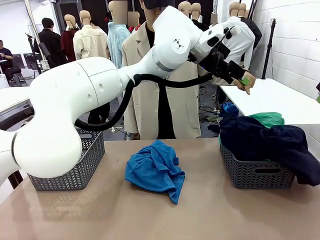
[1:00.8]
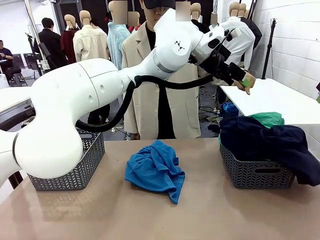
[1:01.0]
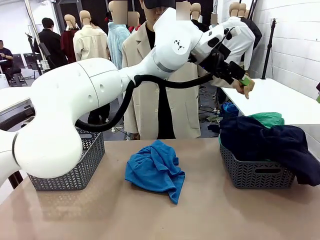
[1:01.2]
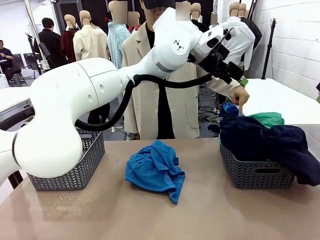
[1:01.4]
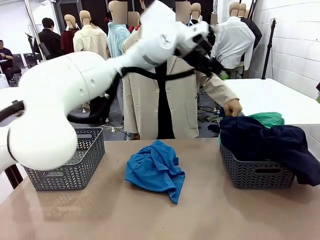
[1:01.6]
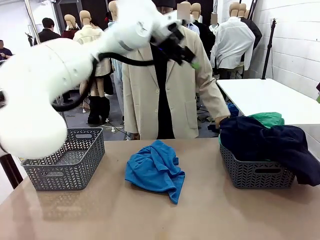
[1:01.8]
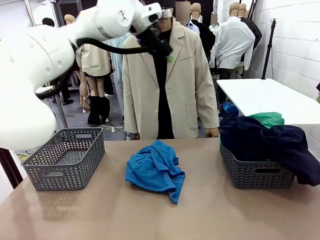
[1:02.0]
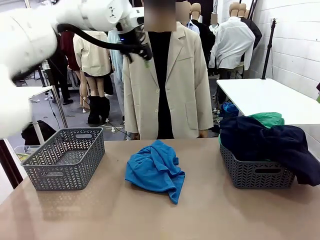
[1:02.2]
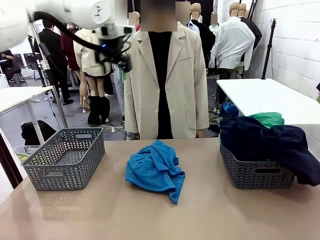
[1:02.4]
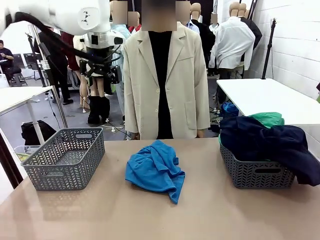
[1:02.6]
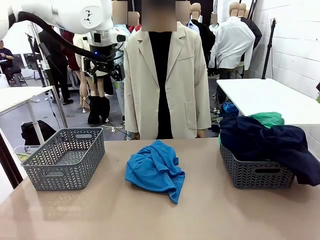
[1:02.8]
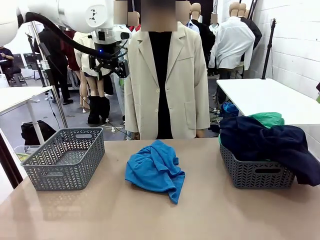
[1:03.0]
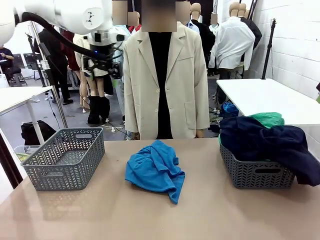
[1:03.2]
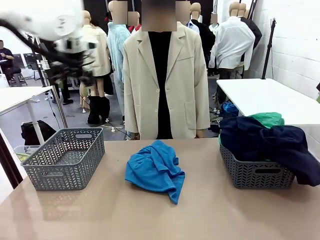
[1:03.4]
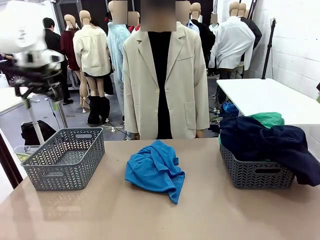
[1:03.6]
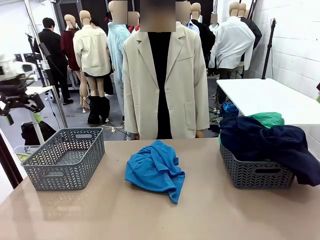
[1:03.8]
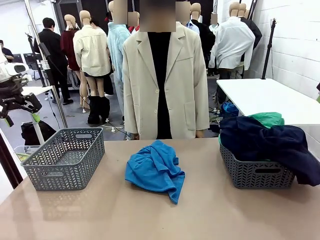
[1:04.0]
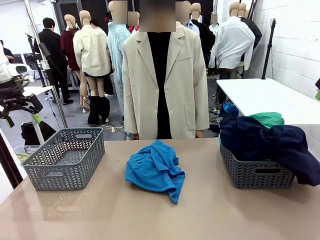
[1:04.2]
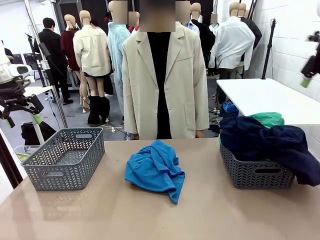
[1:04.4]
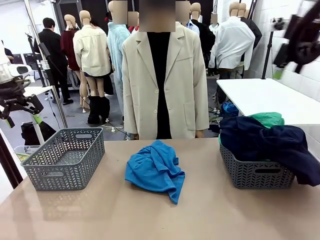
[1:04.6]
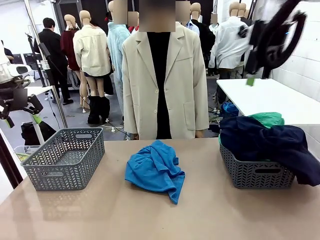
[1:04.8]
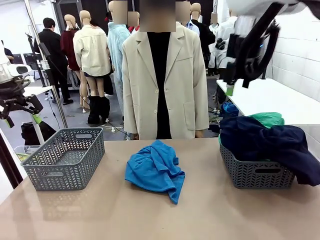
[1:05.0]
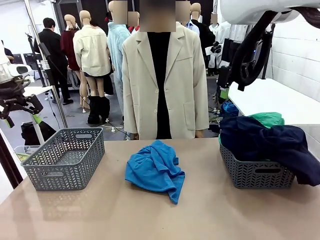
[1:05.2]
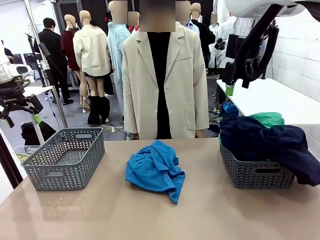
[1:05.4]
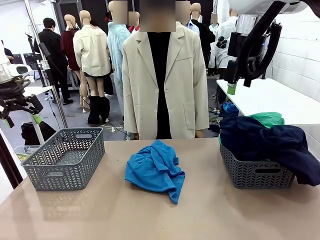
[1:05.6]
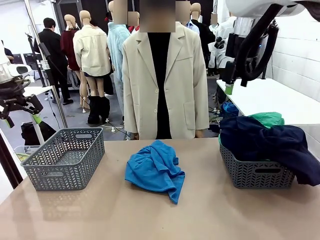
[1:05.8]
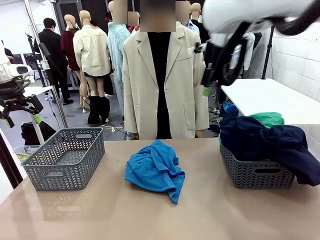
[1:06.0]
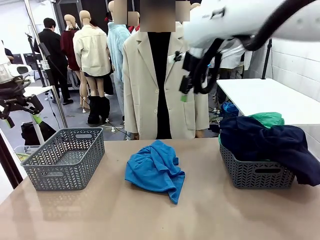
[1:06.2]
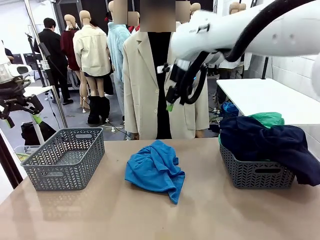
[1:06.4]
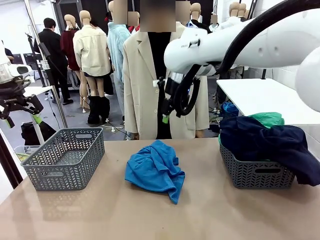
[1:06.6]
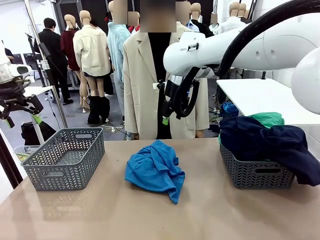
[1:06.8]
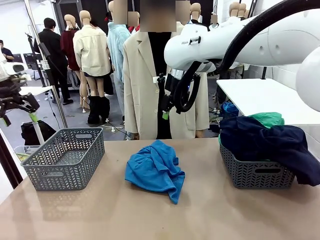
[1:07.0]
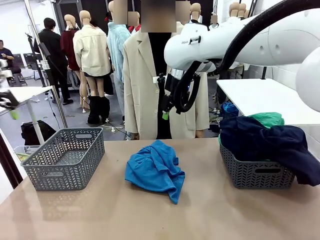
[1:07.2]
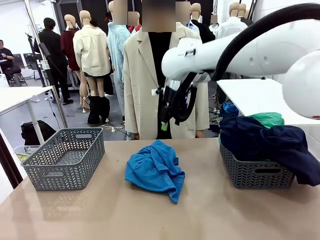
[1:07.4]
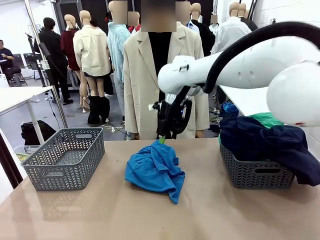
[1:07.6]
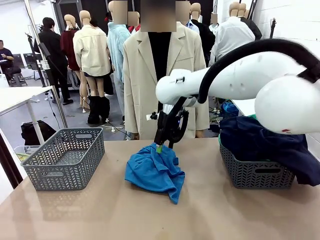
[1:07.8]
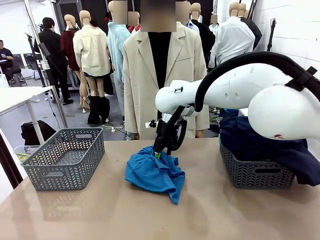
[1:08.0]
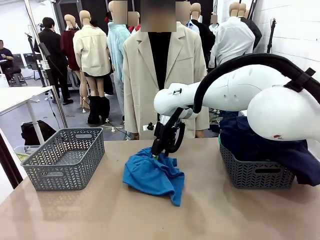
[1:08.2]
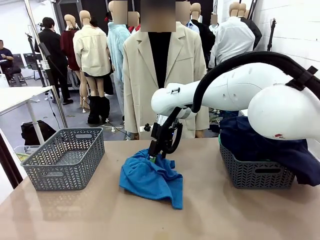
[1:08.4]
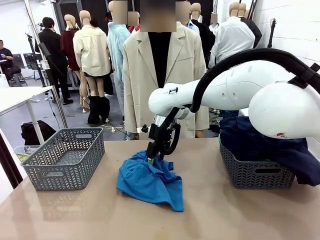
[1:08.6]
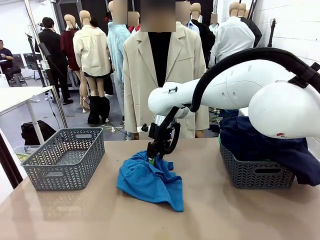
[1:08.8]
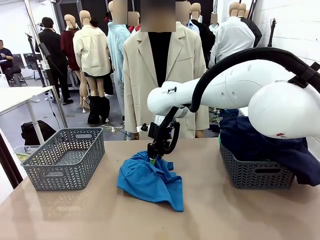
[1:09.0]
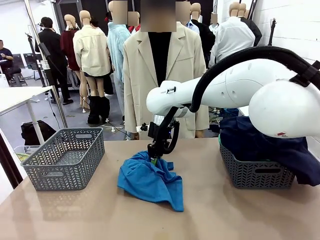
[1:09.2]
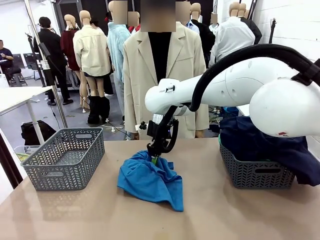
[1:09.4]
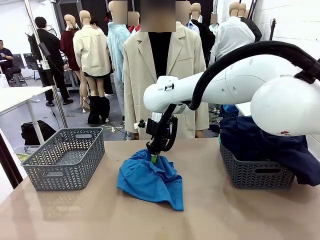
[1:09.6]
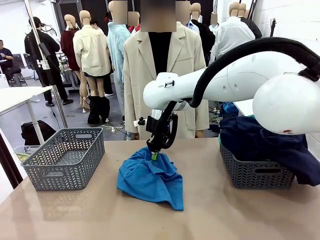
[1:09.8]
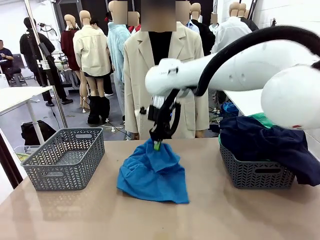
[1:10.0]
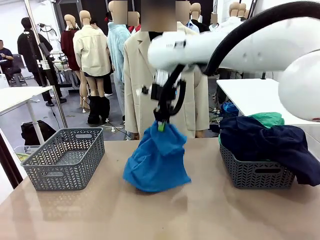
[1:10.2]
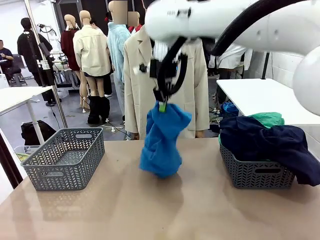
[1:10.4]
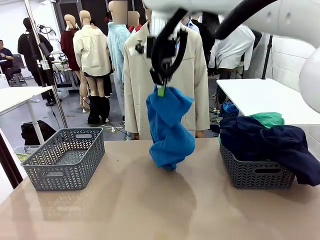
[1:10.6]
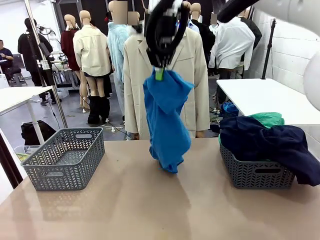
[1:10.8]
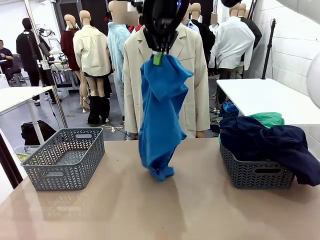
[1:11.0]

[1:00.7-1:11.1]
Task: Sort the tops and bottoms.
Robot: Lift clothes from the center of the table with your right hand.

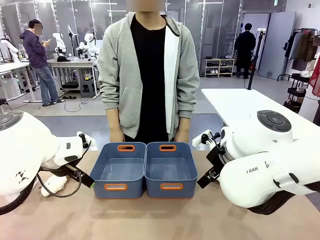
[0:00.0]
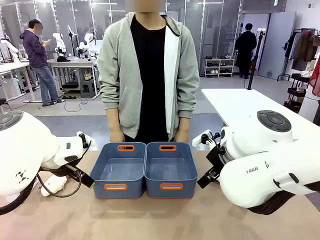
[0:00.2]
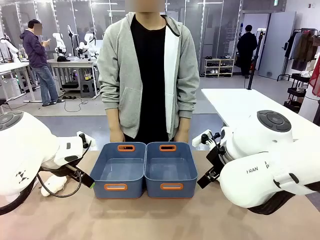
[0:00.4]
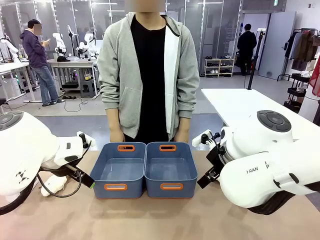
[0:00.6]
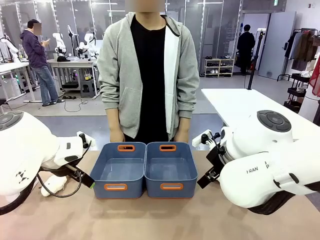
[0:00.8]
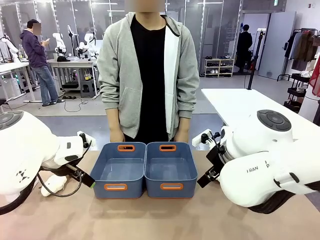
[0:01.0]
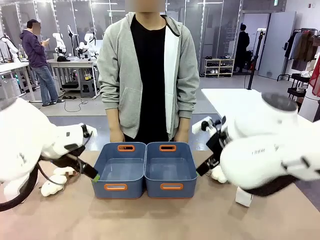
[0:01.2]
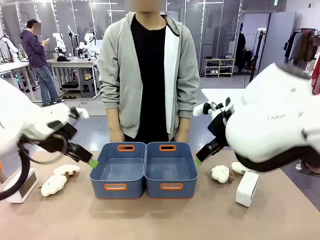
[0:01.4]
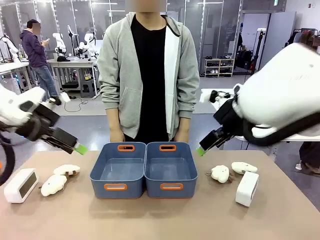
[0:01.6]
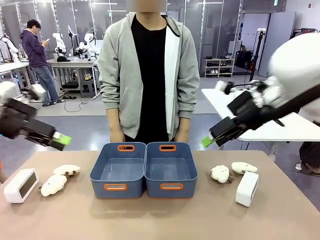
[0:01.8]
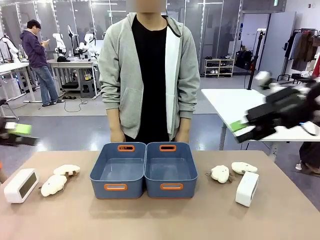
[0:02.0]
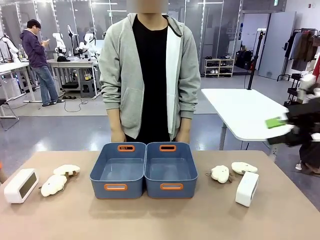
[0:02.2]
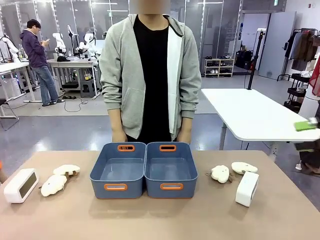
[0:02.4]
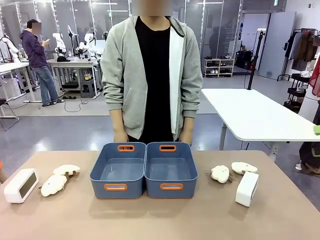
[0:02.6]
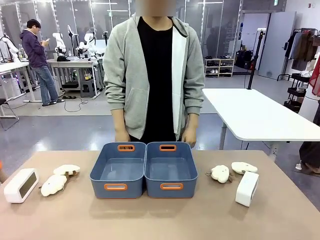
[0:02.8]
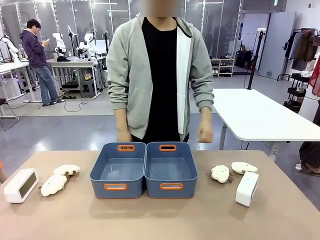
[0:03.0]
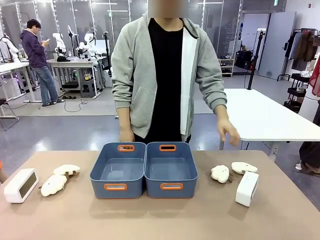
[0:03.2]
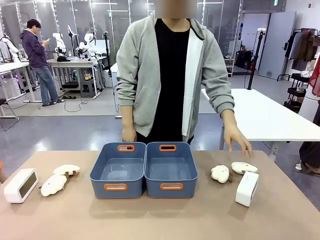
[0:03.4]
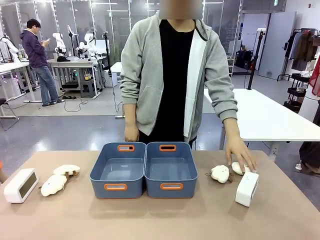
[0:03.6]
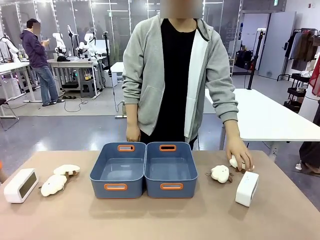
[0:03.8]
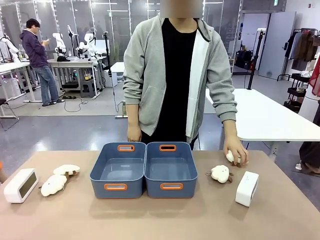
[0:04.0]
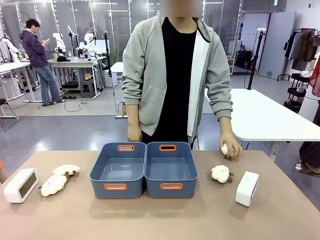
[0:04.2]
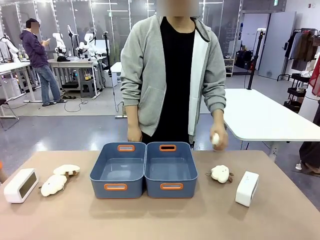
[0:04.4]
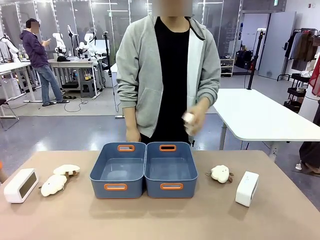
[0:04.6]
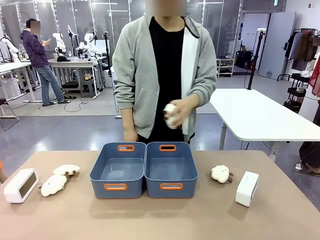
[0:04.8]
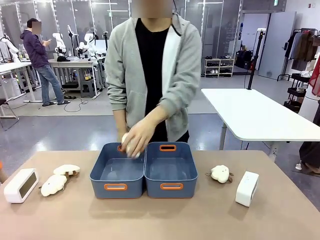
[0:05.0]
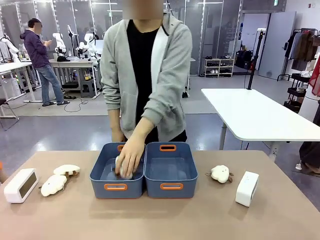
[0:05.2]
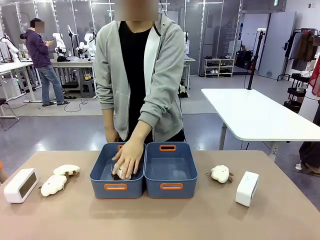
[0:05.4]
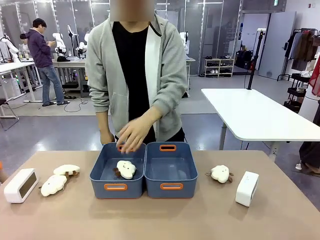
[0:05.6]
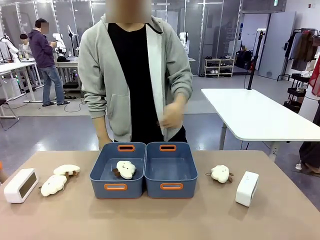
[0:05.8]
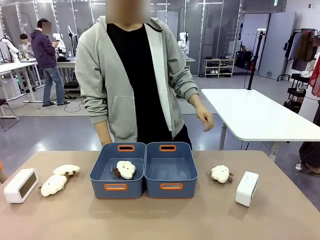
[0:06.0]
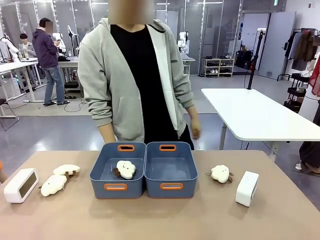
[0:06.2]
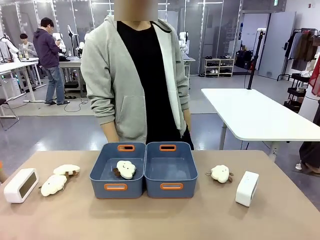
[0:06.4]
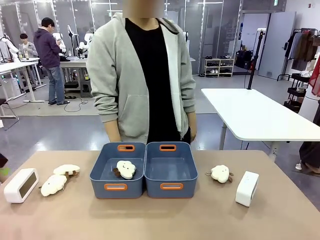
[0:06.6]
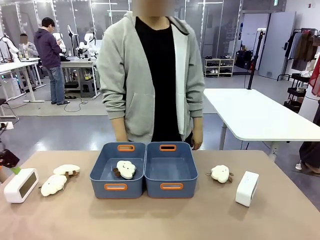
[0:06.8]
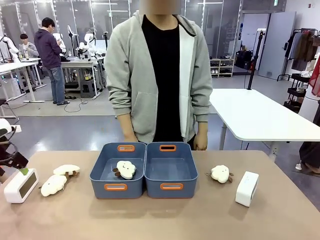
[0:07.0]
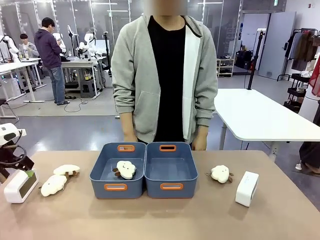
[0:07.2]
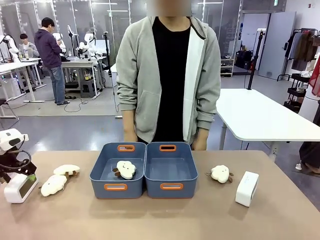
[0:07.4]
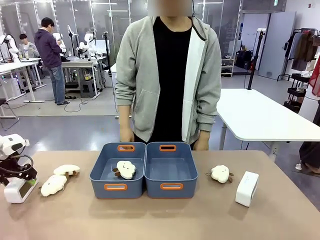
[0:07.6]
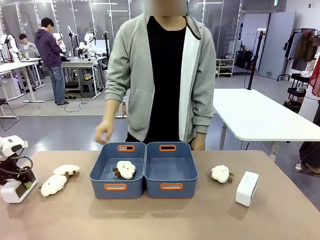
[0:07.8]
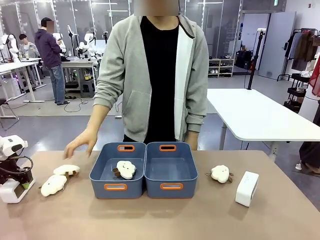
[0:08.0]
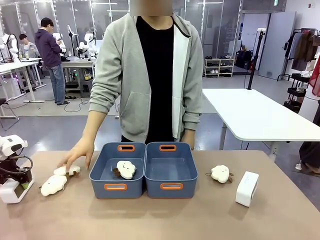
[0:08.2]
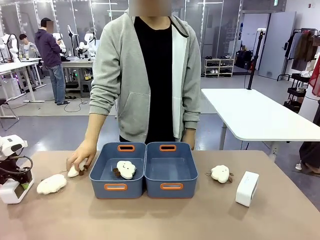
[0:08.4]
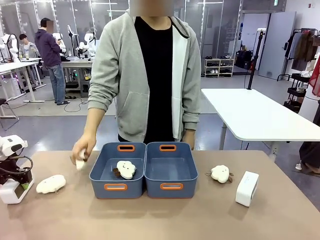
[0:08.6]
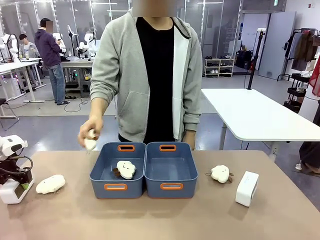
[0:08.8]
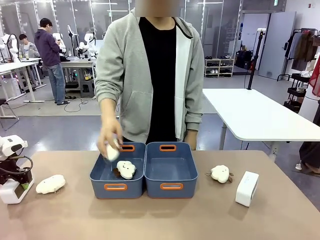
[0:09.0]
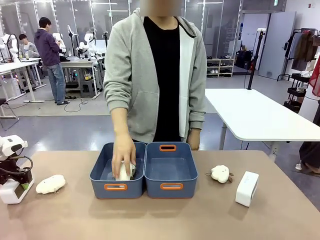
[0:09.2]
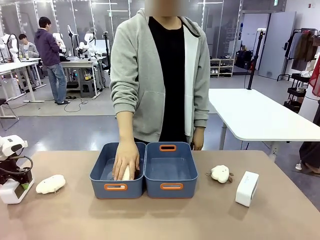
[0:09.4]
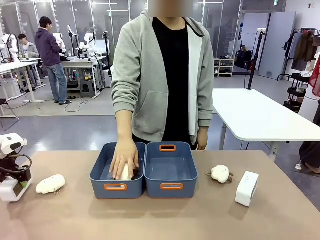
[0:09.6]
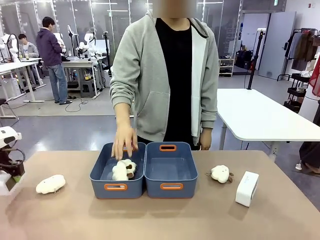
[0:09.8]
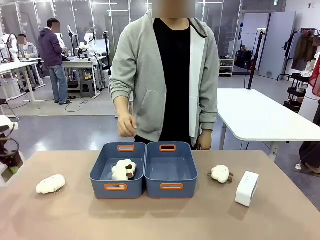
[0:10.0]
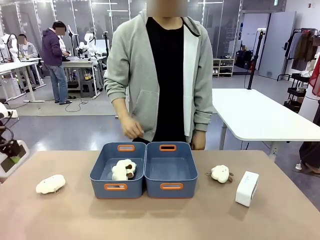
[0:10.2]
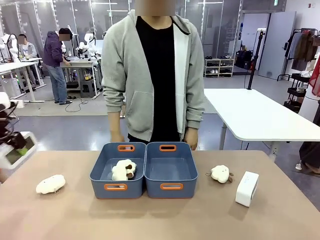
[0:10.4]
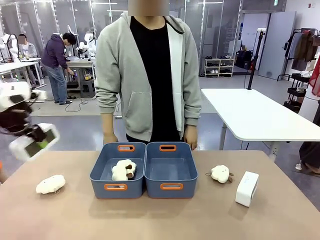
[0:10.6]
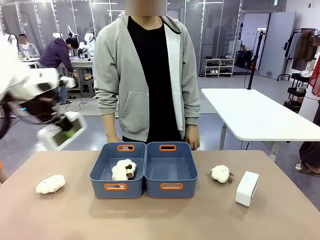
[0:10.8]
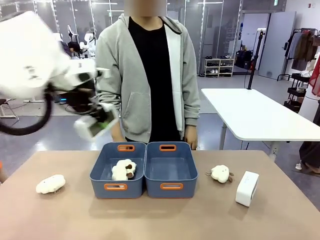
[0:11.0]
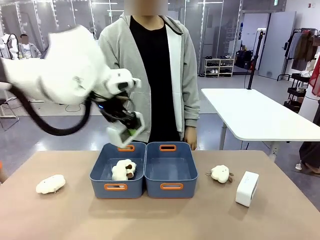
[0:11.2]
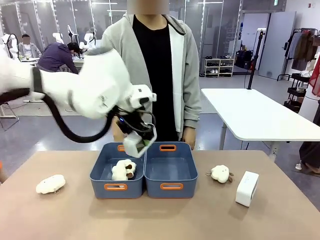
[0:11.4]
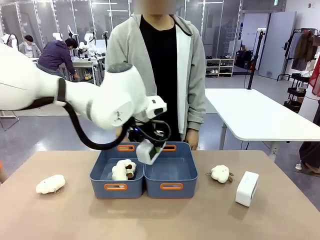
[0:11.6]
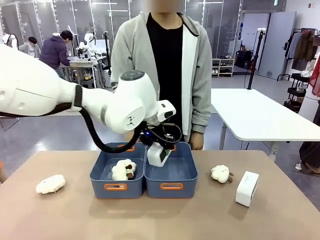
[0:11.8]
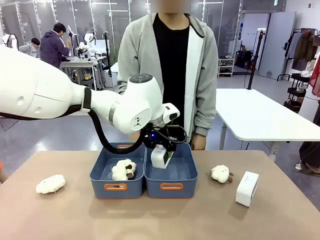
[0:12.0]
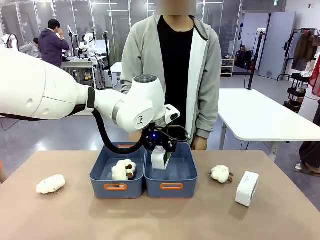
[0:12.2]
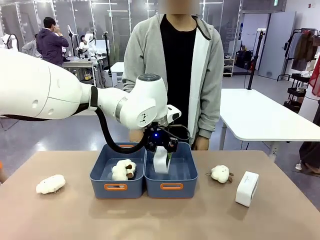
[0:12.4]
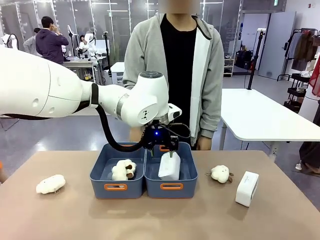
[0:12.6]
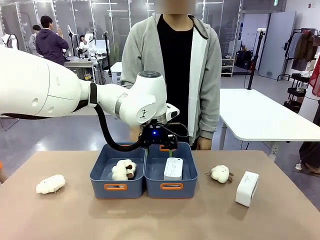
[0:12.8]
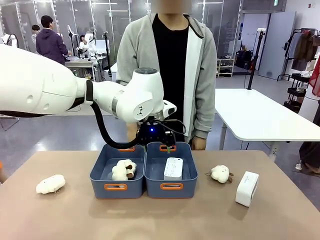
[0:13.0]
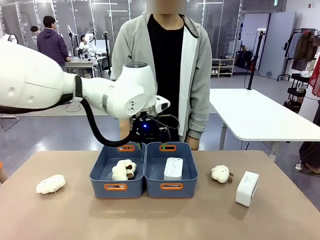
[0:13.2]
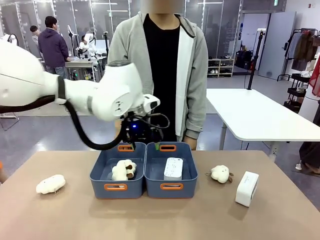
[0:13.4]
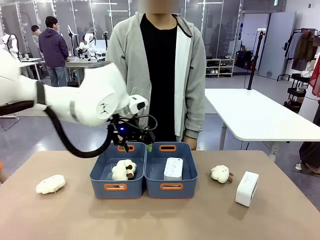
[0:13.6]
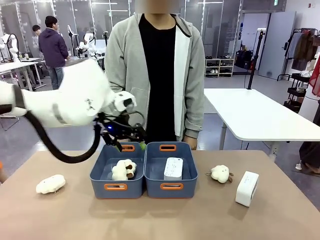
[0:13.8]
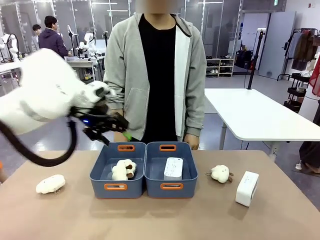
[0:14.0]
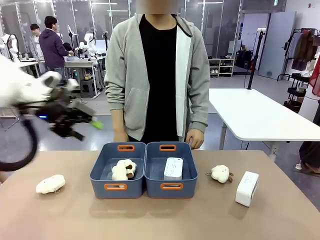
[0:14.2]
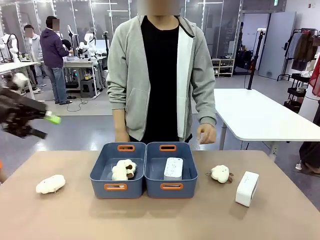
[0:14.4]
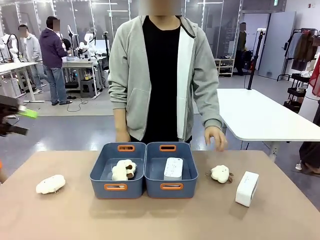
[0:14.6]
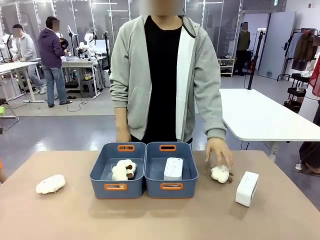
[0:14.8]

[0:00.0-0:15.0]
Task: Sort the digital clocks into the basket.
Robot: Pick up the Digital clock from the table and place it into the empty Plastic storage basket.
Person: Pick up a plush toy from the table and place it in a plastic storage basket.
